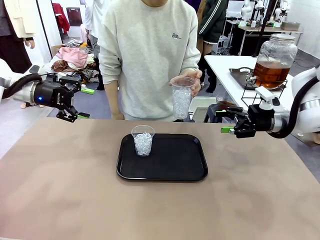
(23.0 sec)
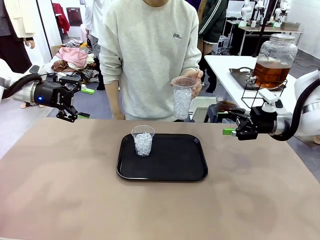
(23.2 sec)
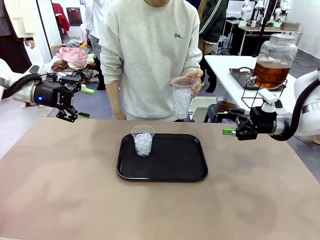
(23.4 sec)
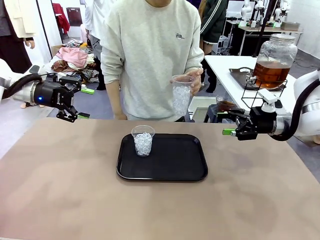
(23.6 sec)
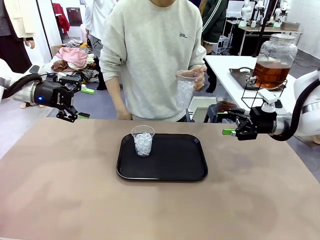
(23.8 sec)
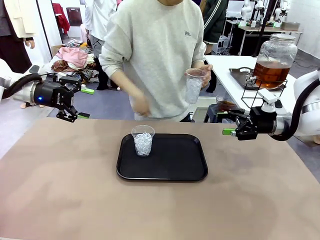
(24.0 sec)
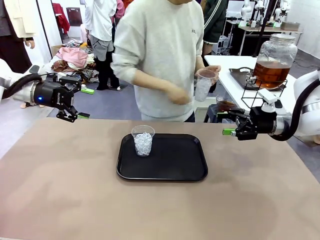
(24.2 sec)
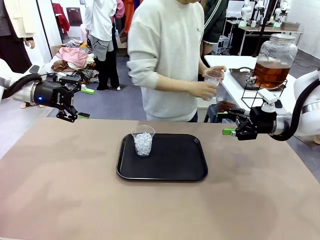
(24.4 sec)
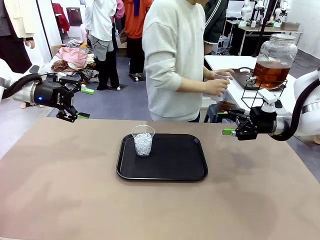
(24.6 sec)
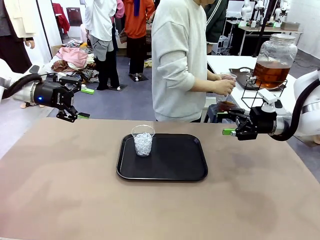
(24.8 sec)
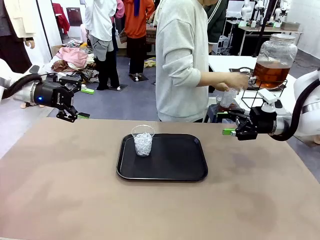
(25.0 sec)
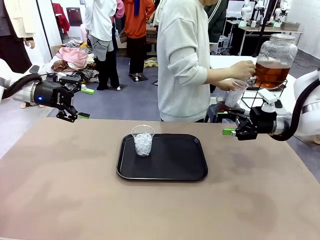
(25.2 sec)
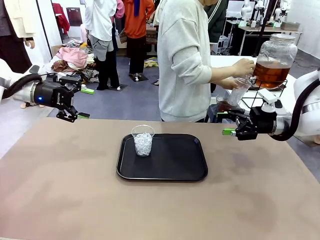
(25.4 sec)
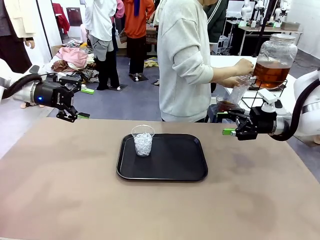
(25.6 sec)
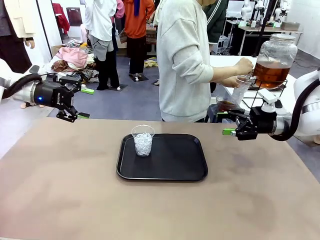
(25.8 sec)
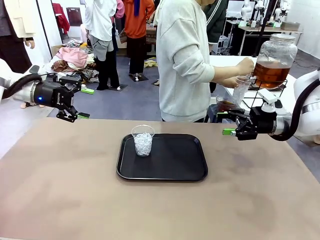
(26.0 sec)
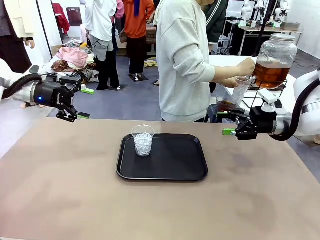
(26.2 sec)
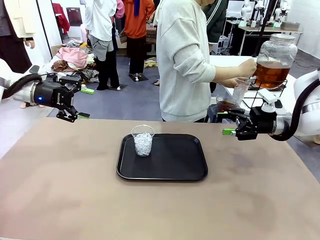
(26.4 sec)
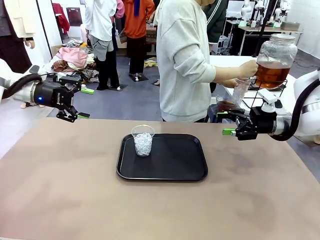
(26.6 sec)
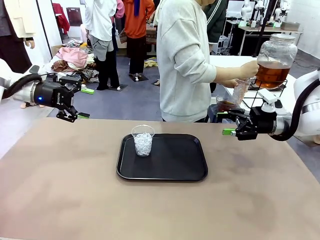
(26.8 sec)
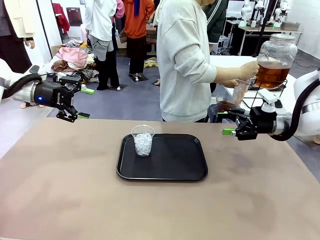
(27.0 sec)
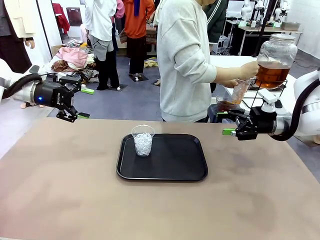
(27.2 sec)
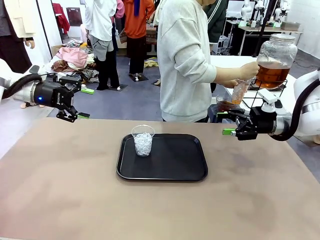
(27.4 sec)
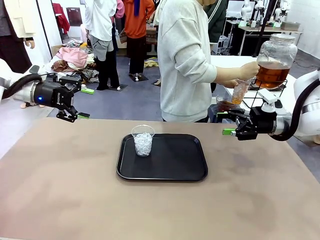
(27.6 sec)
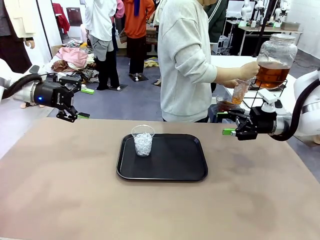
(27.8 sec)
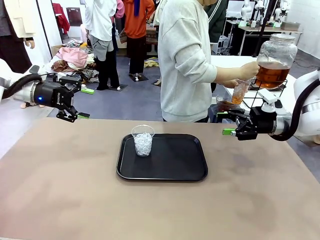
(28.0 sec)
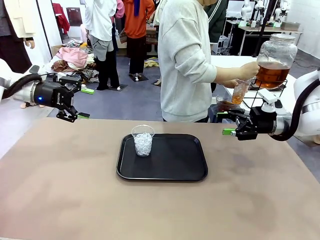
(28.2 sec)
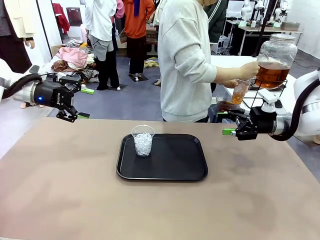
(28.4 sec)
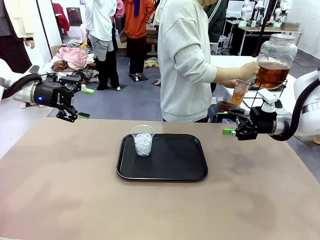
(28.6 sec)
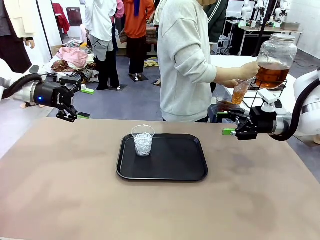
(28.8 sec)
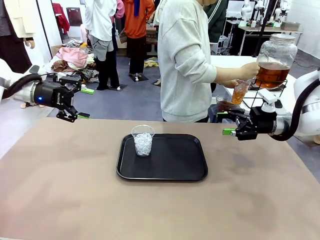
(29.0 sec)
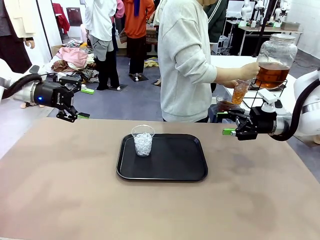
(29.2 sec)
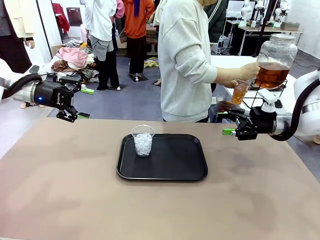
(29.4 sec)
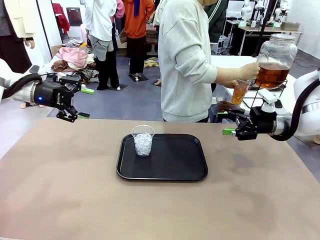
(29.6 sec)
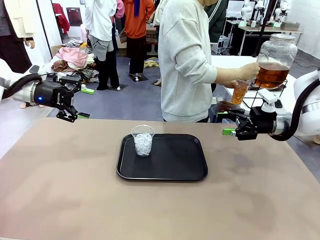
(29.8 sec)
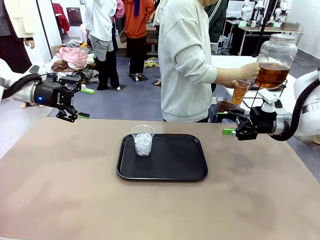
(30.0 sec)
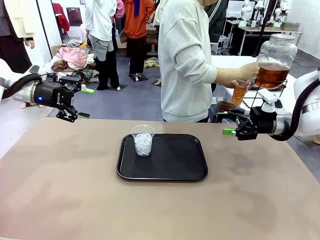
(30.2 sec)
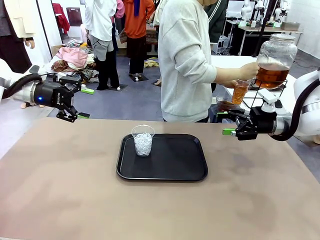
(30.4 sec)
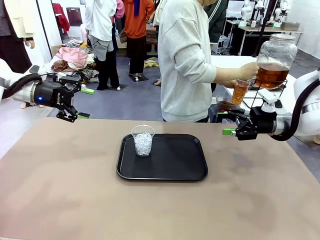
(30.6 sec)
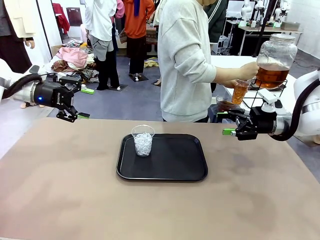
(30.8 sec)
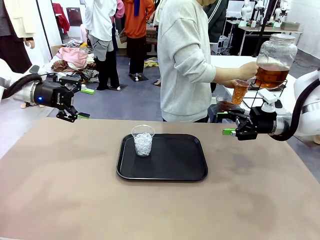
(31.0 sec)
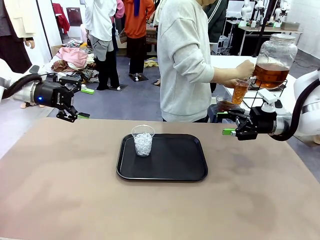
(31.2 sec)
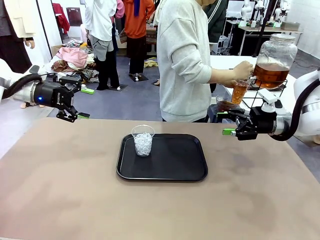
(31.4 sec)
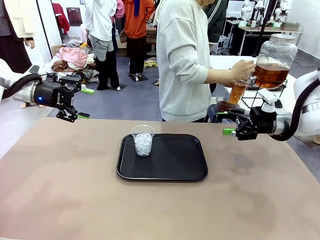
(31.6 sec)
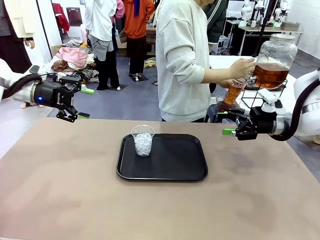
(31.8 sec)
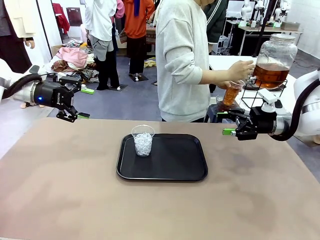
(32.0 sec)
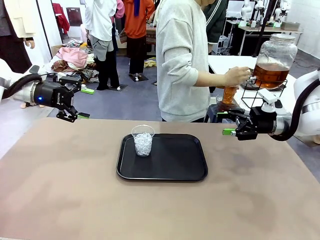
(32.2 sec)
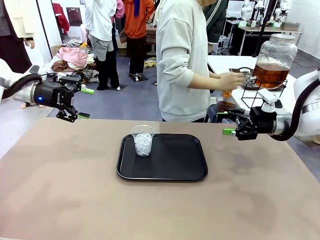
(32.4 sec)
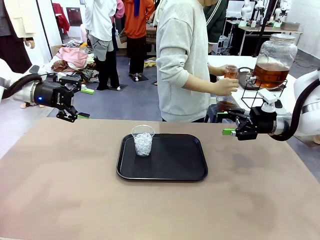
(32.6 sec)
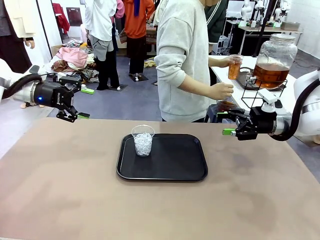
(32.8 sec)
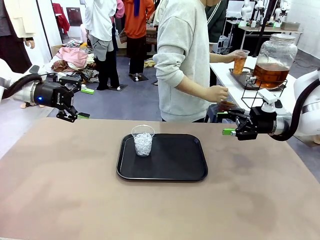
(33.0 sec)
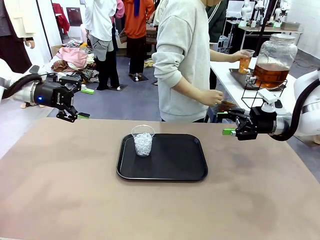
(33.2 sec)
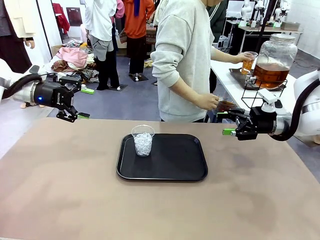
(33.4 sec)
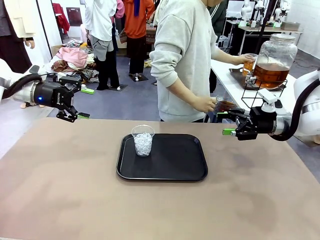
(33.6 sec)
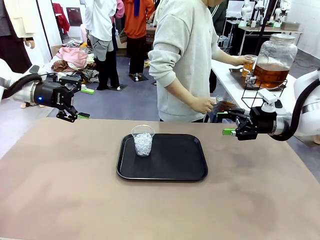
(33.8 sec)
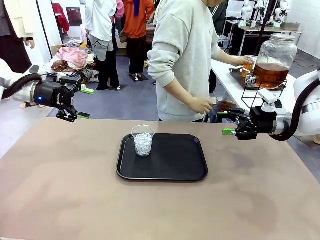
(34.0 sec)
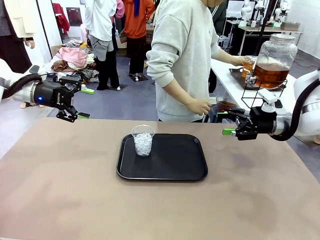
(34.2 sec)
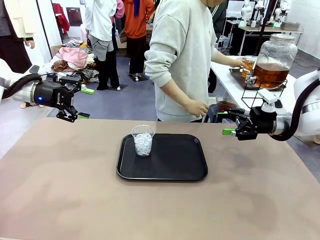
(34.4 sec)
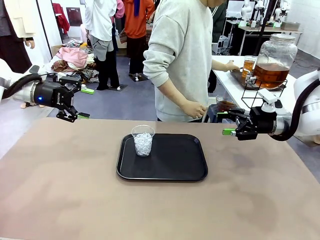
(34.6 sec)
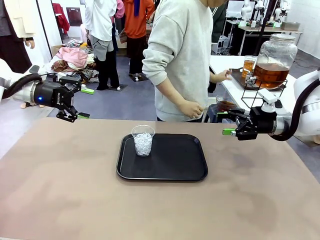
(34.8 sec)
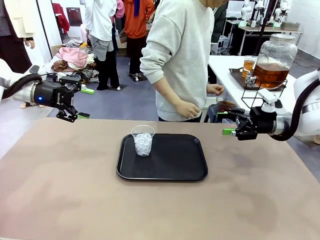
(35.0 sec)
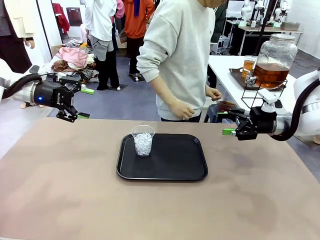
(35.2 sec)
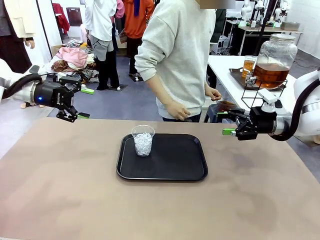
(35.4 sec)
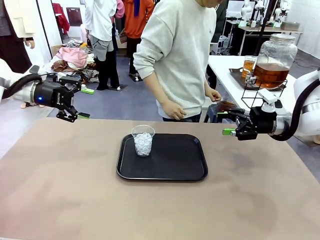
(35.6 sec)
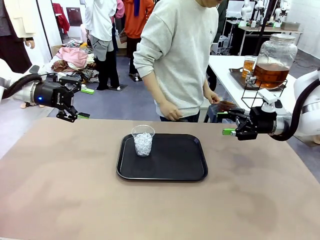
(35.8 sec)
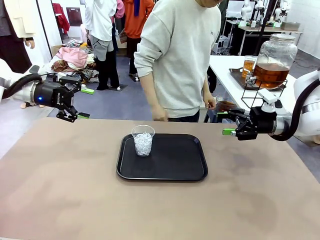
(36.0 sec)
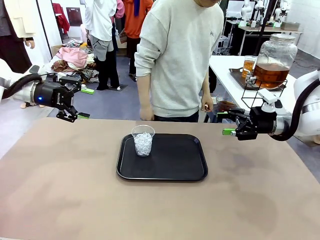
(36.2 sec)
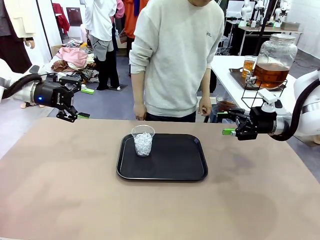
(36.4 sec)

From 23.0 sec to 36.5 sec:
Task: Pour the drink into the iced cup.
Robot: Pick up the iced cup indicated by the human and present it to them.
Person: Move the picked-up cup under the dispenser faucet, pour the drink, and place it on the tray on the human table.

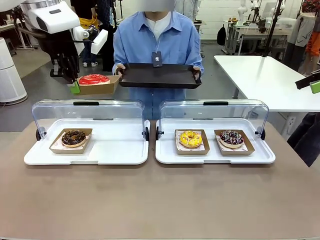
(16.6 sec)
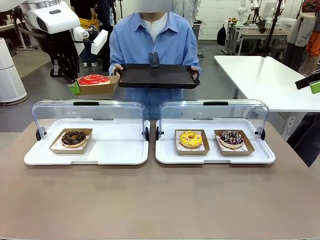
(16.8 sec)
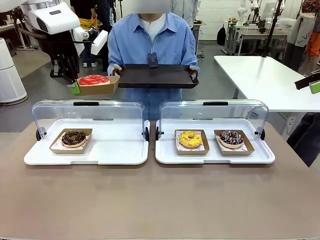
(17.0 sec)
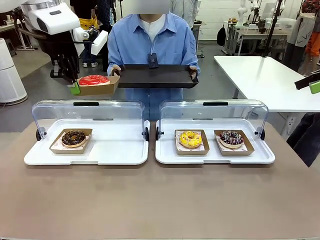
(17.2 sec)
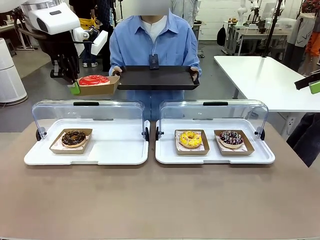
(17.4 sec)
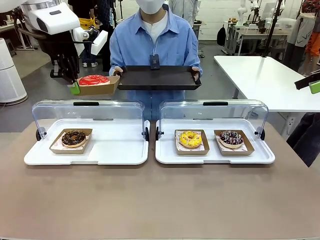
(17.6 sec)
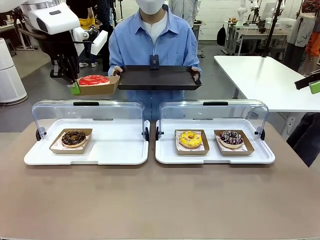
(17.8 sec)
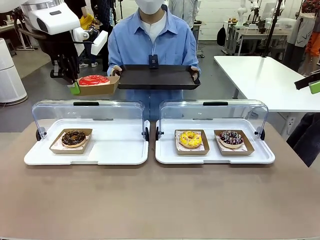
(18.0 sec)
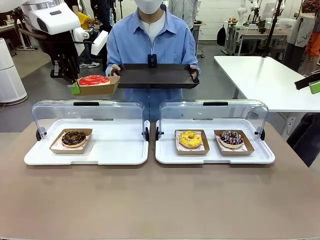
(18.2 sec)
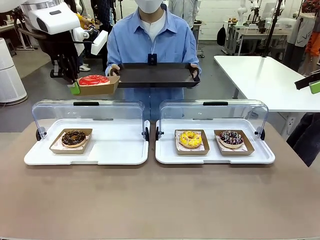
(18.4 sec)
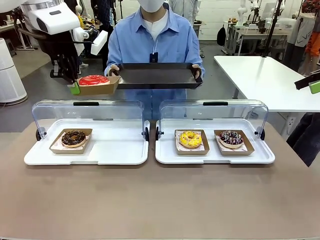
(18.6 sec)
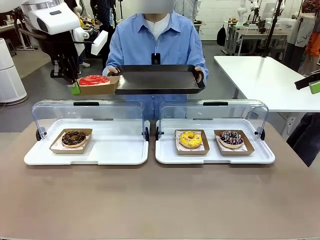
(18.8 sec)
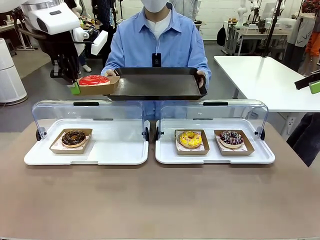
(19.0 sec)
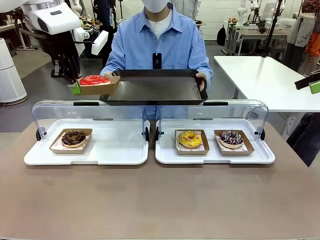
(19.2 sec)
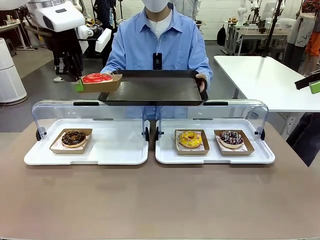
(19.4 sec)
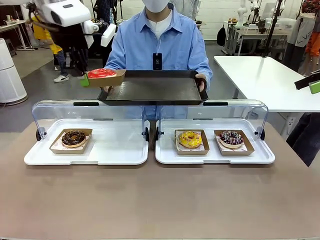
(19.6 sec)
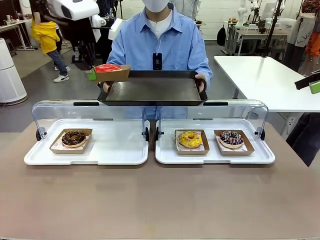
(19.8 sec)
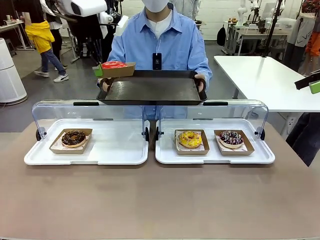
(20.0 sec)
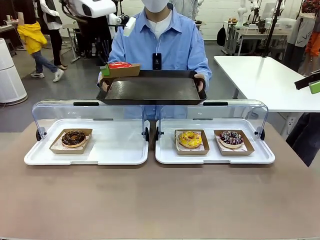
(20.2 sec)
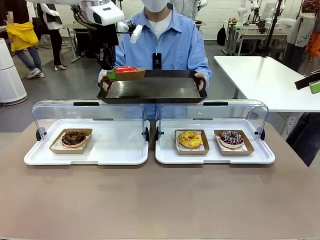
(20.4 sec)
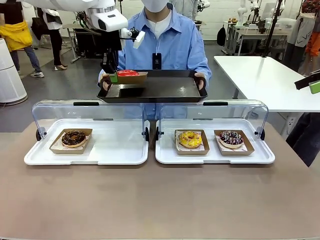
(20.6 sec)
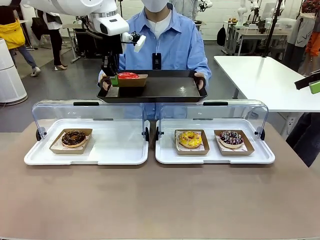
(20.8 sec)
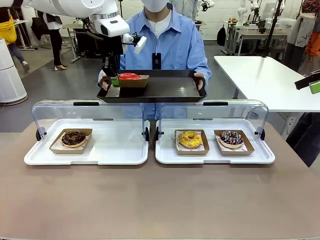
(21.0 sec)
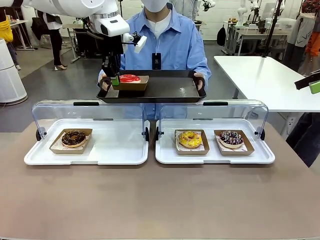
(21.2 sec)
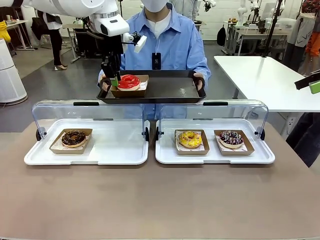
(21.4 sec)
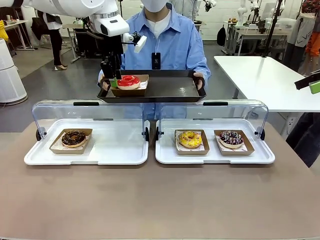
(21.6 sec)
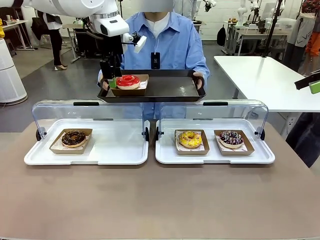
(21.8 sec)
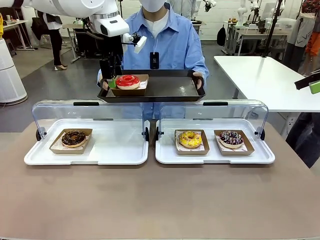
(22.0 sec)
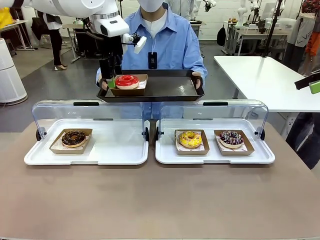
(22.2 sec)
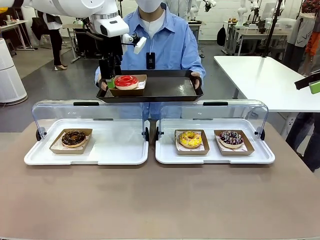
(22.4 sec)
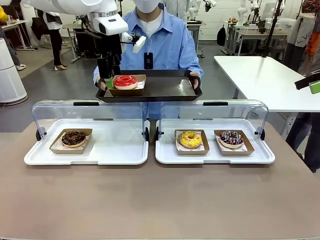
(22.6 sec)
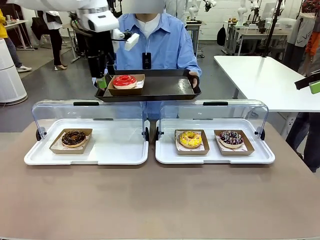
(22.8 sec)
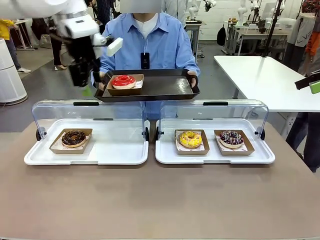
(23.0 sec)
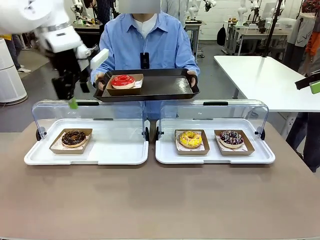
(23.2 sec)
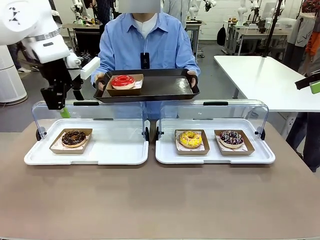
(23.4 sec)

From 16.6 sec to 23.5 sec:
Task: Provide the desired donut to the person.
Robot: Place the picked Paper togo box onto the Handle tray extended by the person.
Person: Lift the tray onto the Roll-Top Bakery Case.
